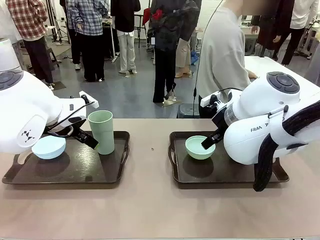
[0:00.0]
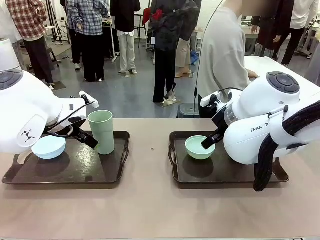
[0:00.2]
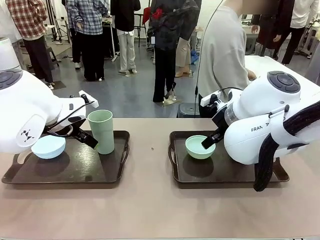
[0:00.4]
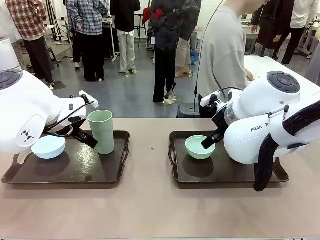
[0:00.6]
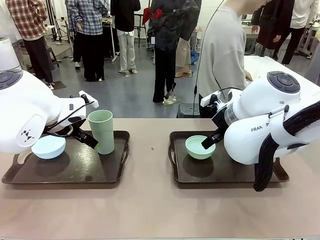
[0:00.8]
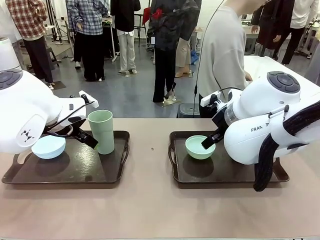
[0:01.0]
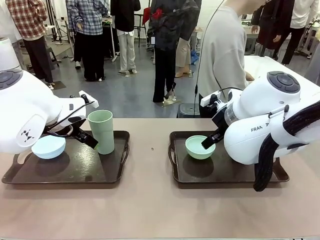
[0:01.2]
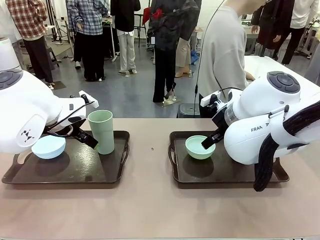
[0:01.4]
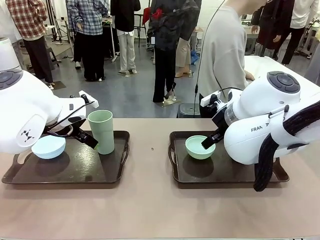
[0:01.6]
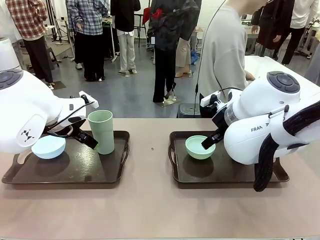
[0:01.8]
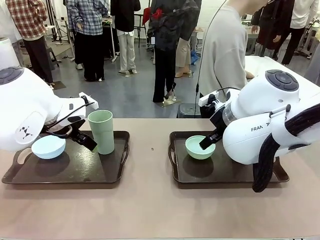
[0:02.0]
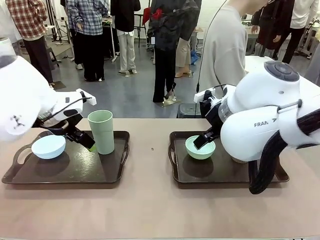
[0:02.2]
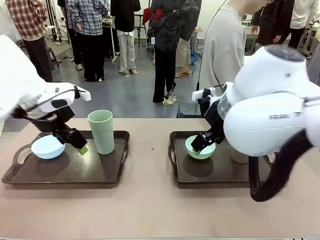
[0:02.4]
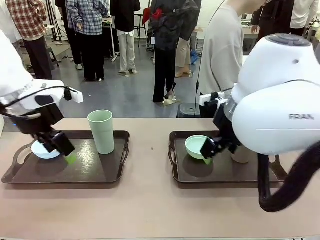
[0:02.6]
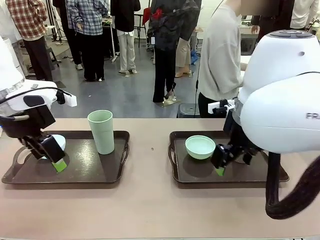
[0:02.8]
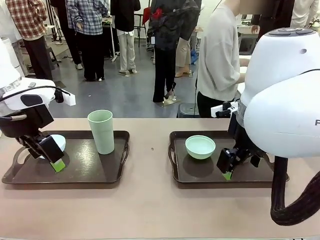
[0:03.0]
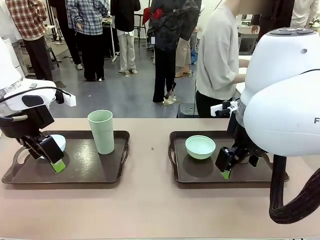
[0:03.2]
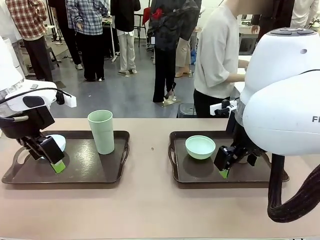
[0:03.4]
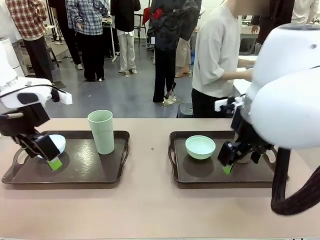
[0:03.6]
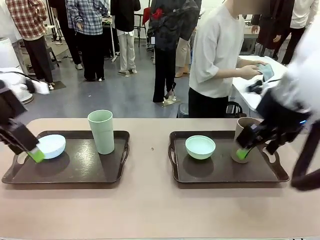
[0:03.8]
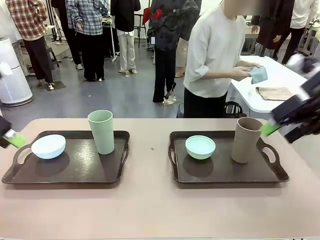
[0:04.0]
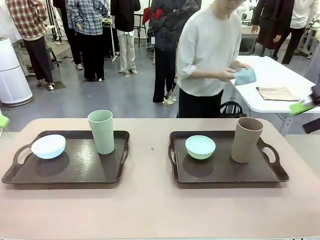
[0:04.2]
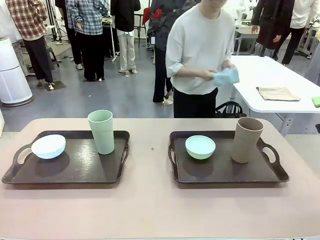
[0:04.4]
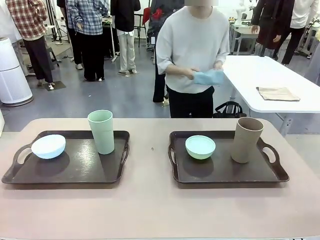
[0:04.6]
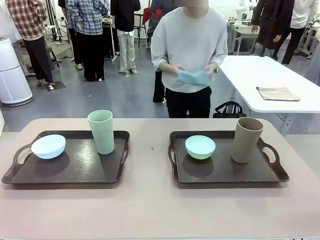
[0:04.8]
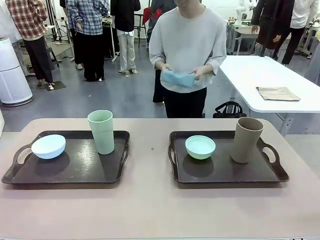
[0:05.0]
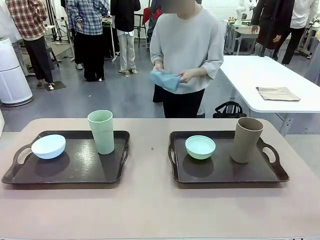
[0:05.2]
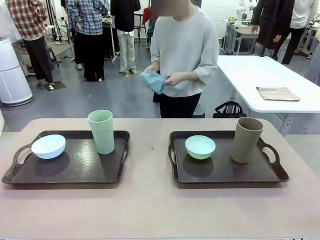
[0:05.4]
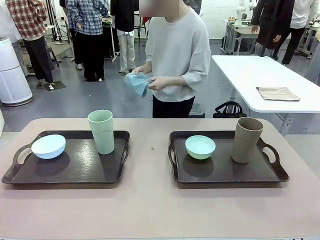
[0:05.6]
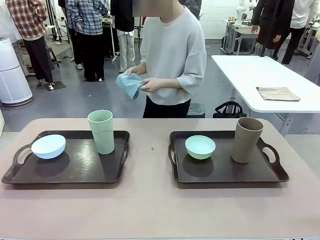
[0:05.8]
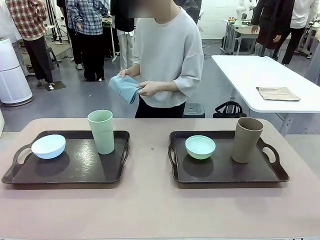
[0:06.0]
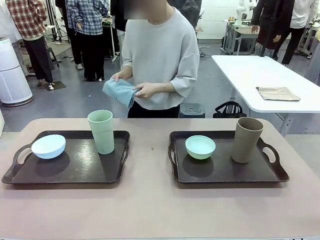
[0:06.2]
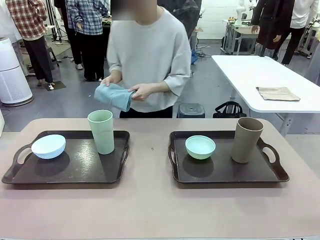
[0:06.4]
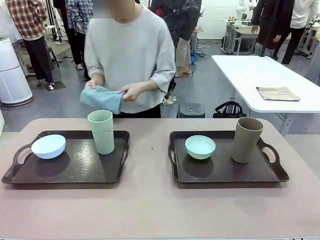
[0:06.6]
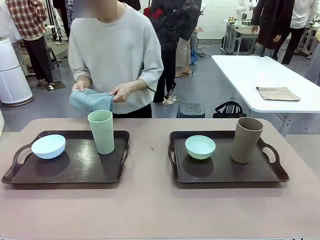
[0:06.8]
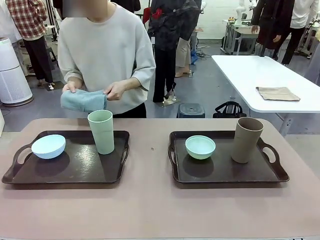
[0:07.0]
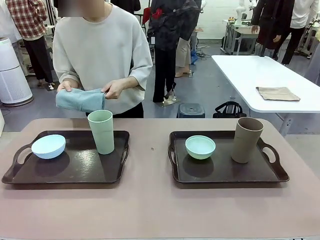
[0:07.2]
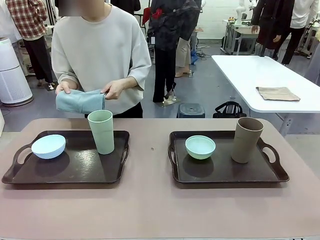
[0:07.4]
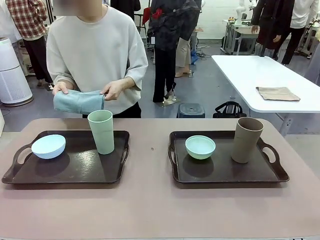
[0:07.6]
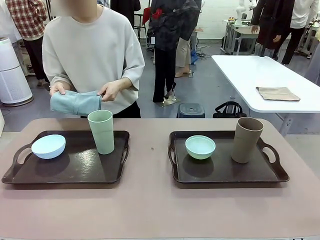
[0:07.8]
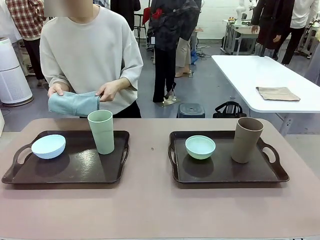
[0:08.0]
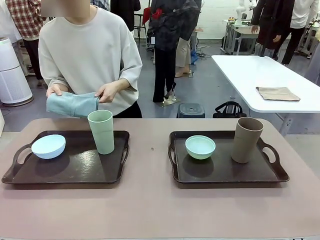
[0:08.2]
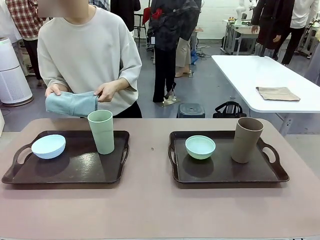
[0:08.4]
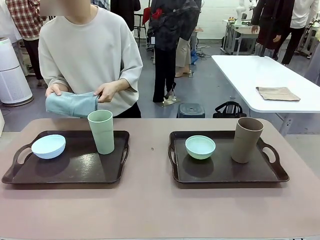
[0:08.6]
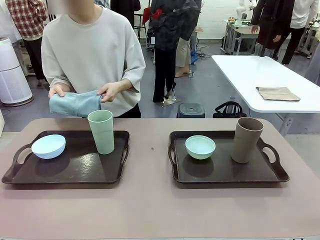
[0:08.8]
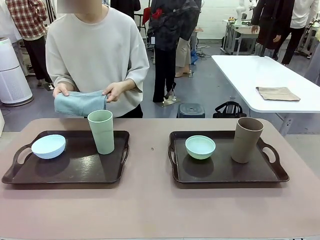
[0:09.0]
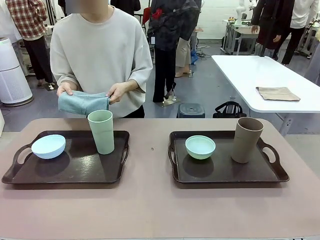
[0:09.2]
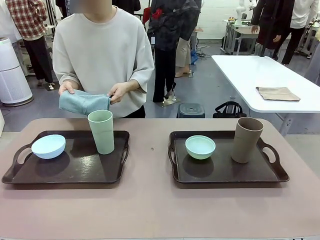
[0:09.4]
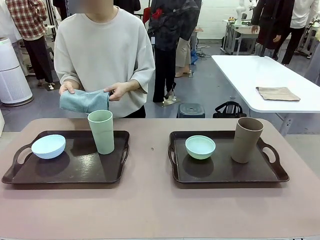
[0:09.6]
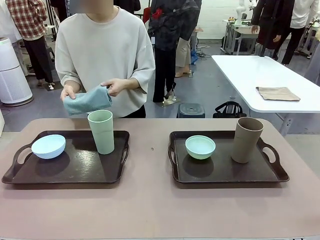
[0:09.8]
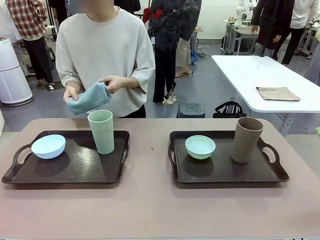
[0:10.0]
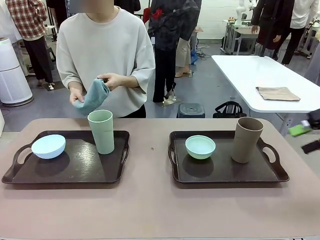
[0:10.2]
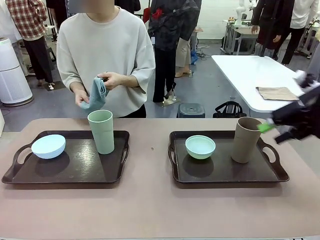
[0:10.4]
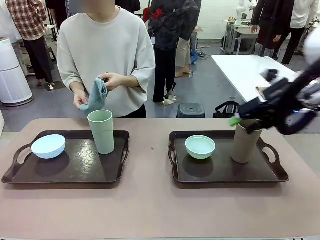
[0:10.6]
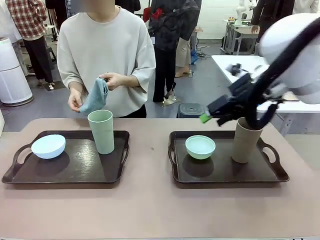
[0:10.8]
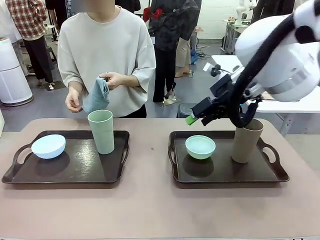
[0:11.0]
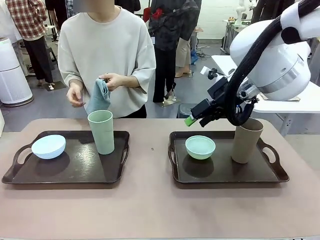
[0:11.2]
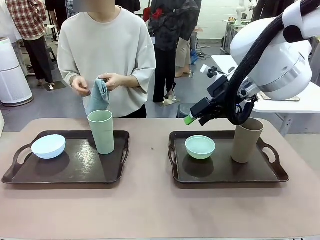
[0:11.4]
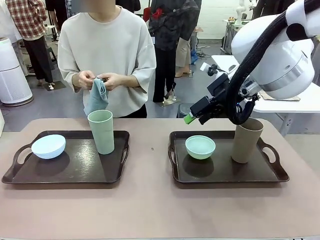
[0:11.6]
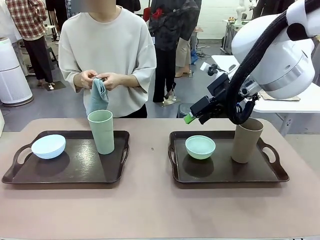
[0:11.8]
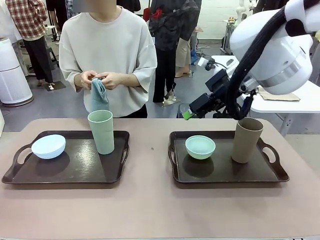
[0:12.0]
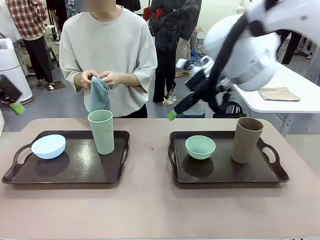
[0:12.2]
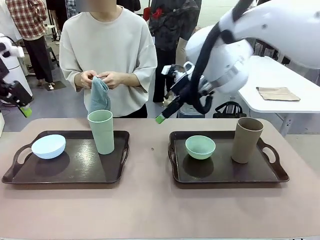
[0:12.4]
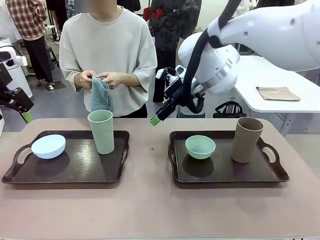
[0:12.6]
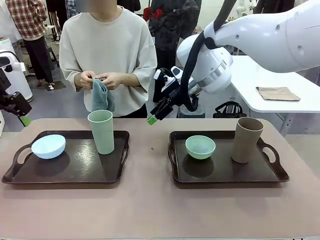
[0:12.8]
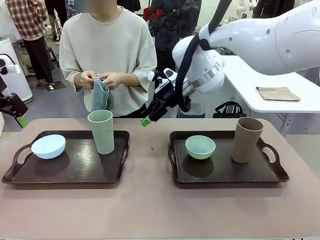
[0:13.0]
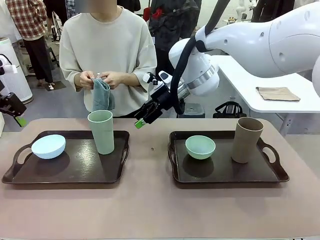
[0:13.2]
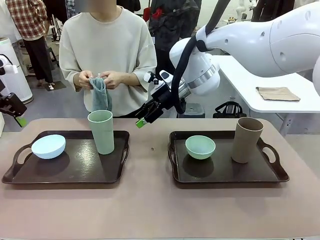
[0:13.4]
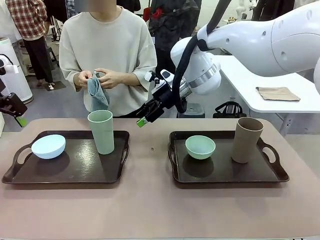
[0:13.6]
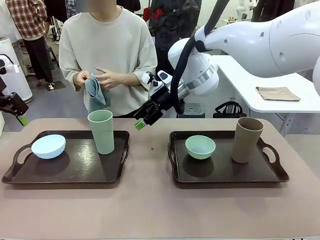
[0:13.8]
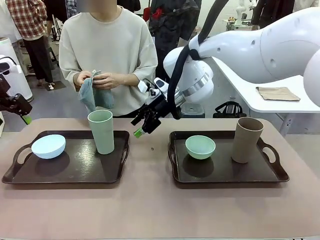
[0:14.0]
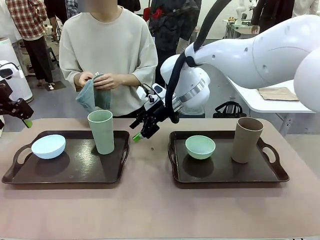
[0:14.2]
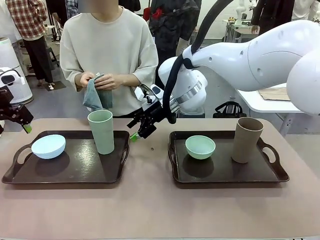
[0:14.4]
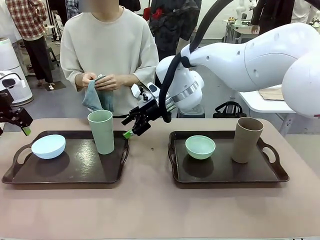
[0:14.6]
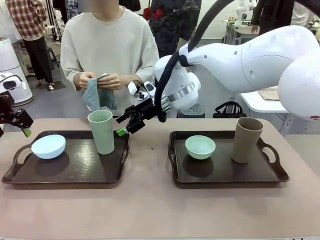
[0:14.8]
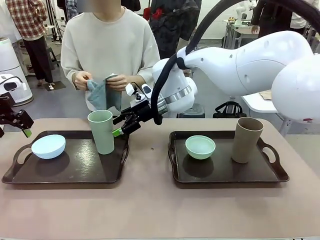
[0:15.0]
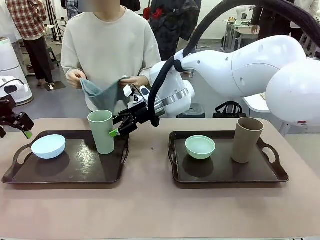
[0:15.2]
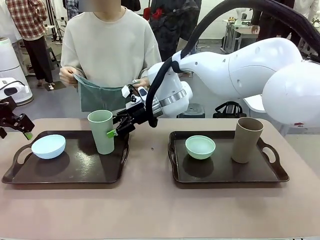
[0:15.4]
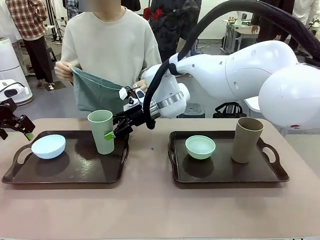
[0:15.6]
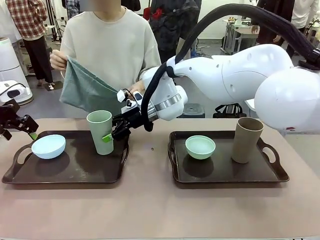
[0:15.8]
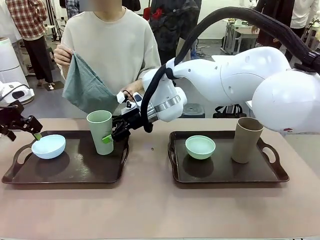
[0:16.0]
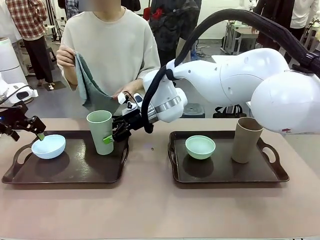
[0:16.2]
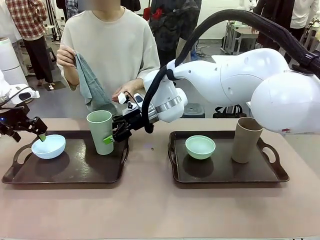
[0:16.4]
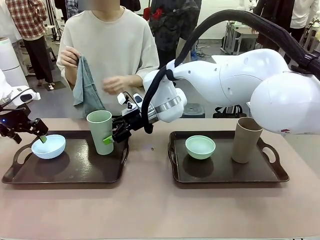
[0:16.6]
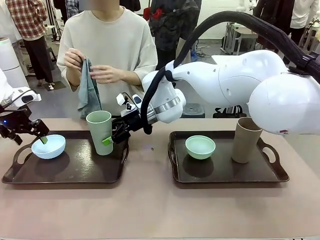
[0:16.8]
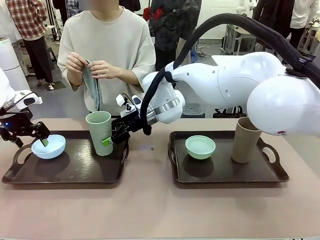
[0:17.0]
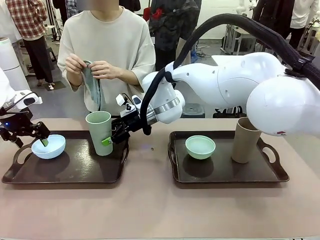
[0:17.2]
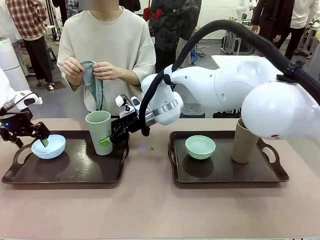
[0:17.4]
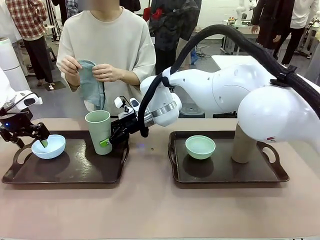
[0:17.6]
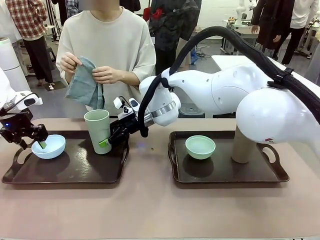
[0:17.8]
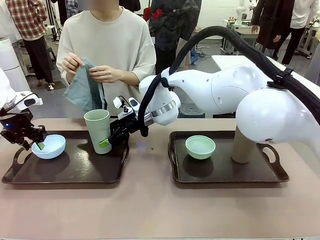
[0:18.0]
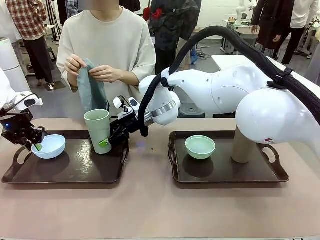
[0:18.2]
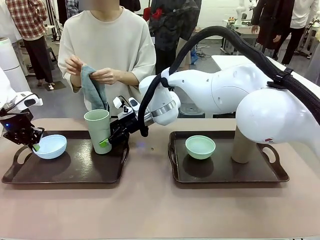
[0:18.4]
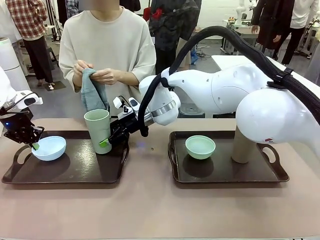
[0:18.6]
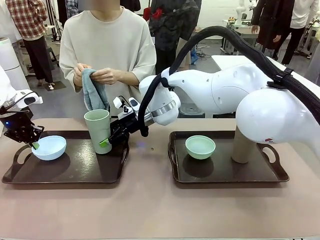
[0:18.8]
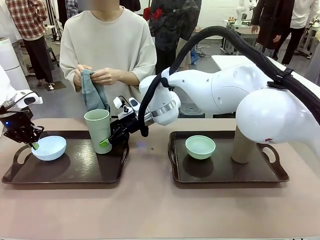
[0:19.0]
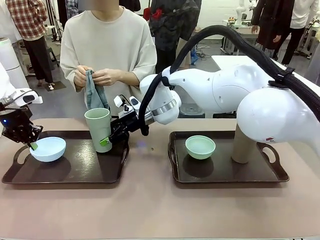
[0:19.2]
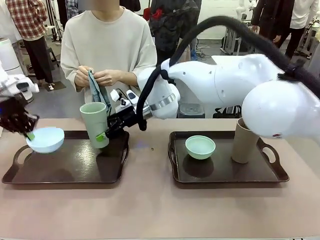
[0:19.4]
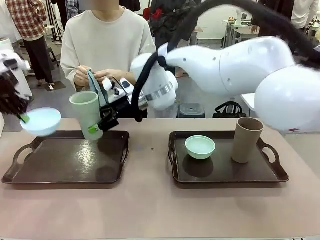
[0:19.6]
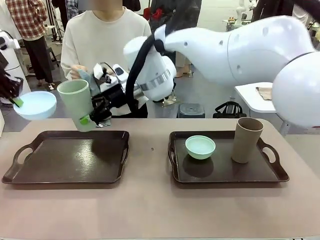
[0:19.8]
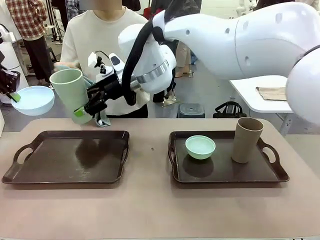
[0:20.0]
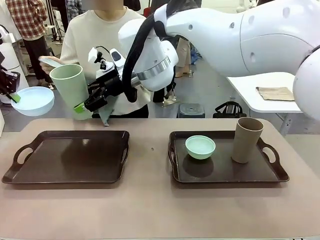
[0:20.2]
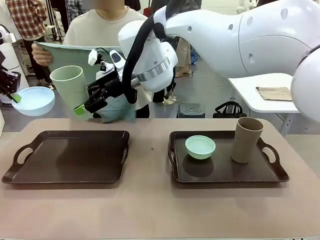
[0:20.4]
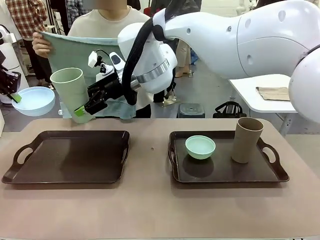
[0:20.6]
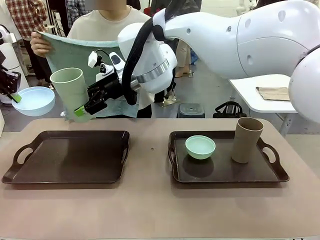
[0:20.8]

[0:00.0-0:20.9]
Robot: Pick up the Picnic Bowl and Reusable plastic cup from the Handle tray in front of the human's position and hold them in the air.
Person: The human picks up the top napkin from the stack on the human table and walks to the robot table to stand in front of one of the two trays. When the robot lifts the bowl and the cup, the human unfolds the napkin and lays the napkin flat on the tray.
